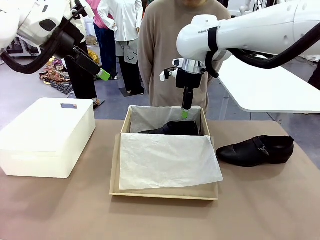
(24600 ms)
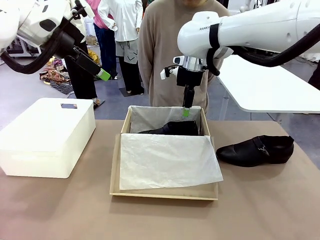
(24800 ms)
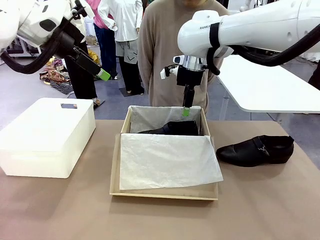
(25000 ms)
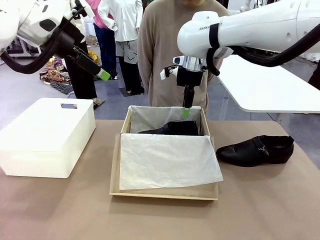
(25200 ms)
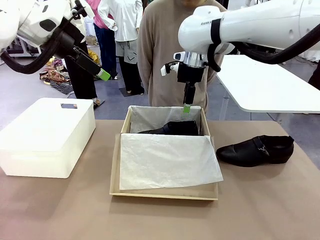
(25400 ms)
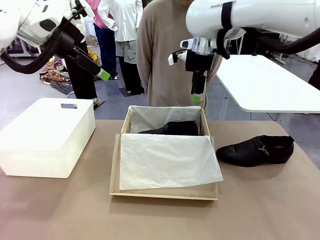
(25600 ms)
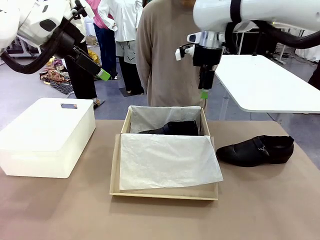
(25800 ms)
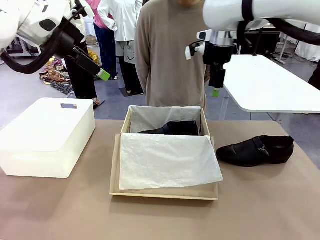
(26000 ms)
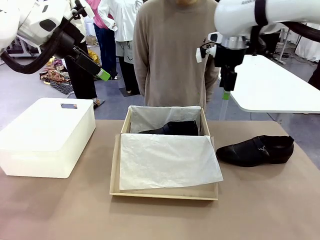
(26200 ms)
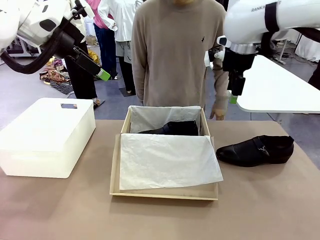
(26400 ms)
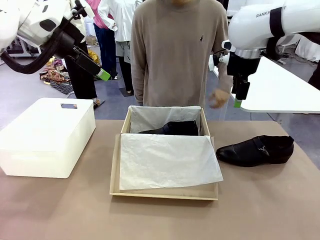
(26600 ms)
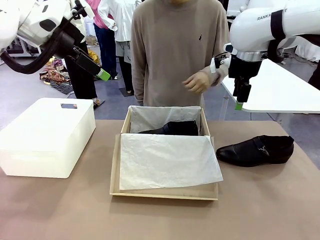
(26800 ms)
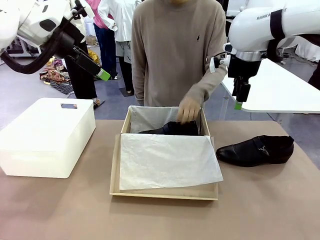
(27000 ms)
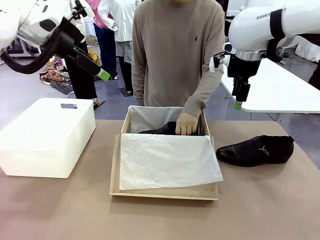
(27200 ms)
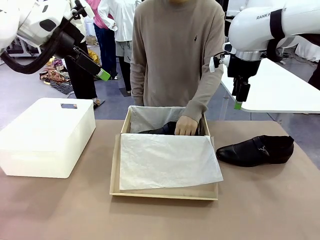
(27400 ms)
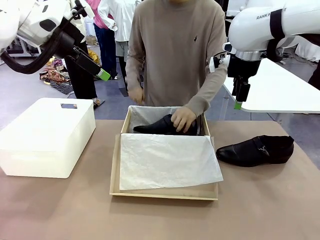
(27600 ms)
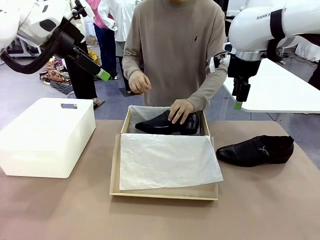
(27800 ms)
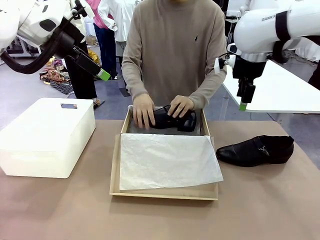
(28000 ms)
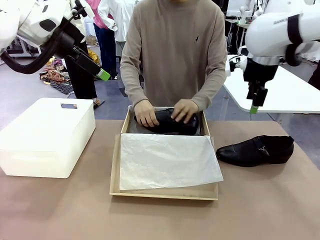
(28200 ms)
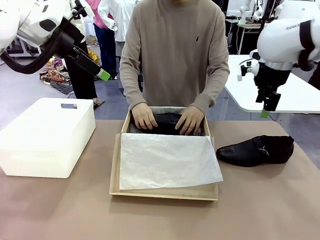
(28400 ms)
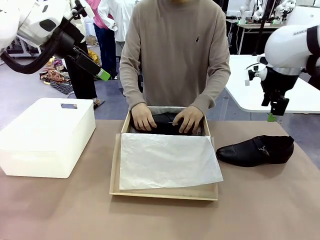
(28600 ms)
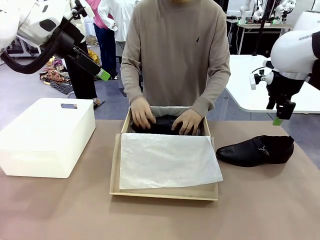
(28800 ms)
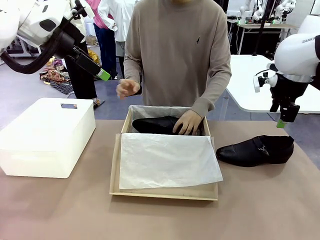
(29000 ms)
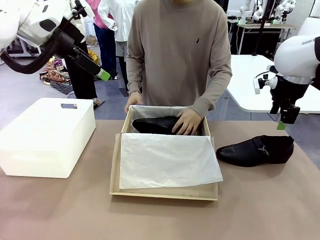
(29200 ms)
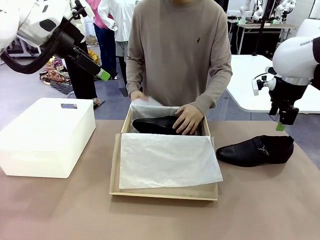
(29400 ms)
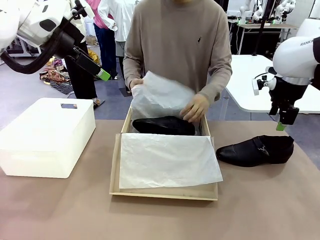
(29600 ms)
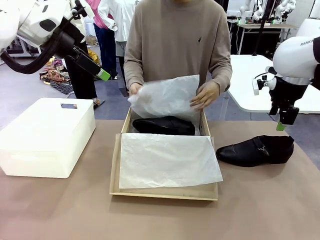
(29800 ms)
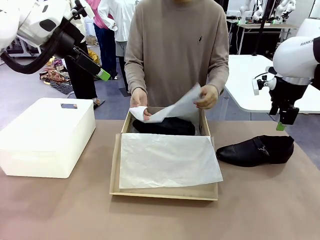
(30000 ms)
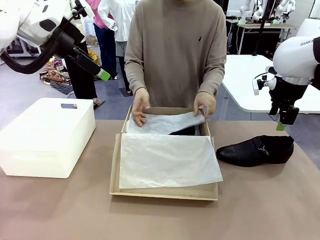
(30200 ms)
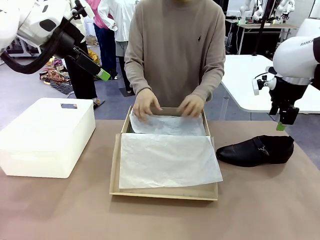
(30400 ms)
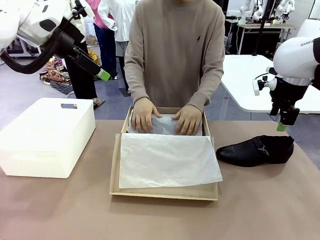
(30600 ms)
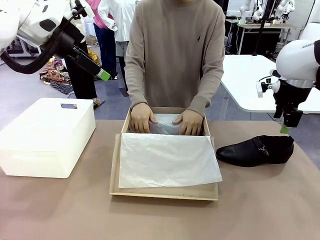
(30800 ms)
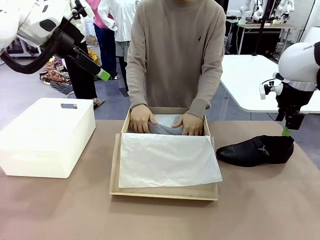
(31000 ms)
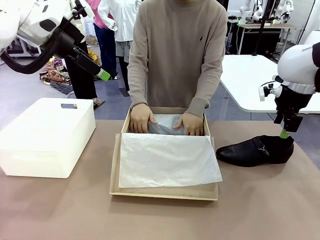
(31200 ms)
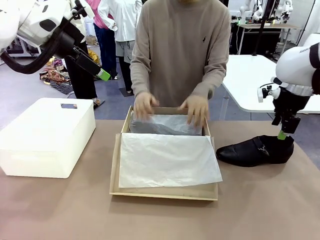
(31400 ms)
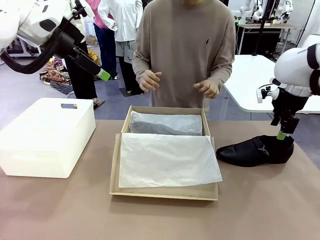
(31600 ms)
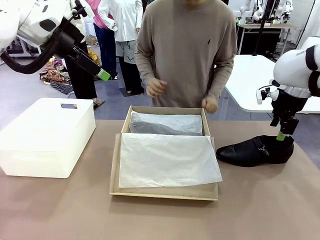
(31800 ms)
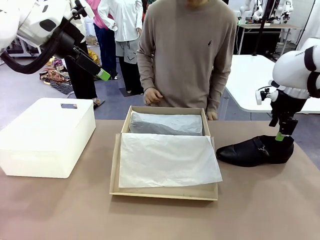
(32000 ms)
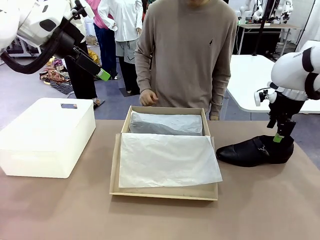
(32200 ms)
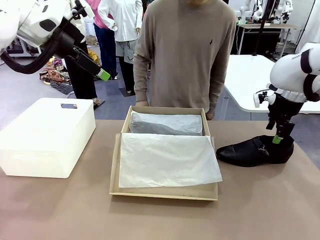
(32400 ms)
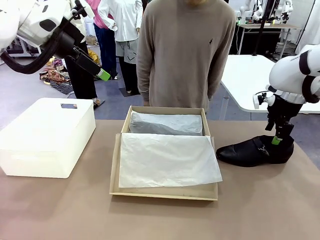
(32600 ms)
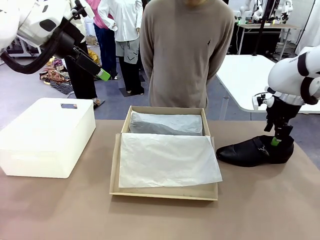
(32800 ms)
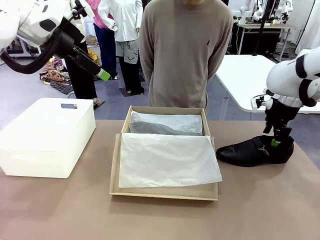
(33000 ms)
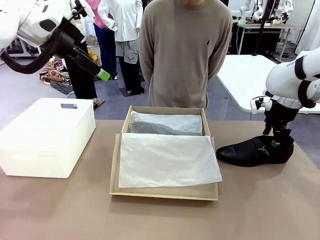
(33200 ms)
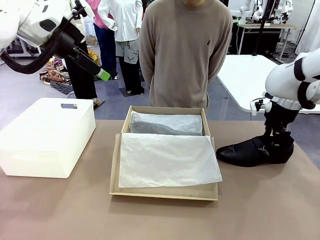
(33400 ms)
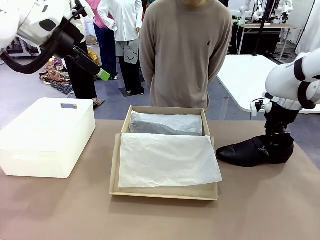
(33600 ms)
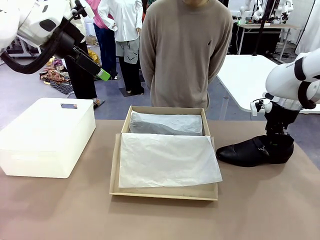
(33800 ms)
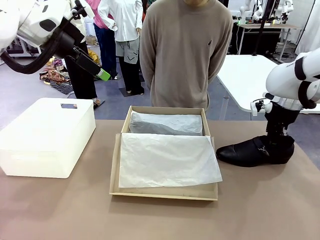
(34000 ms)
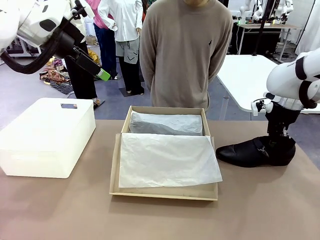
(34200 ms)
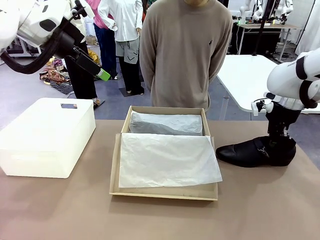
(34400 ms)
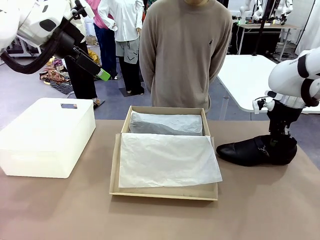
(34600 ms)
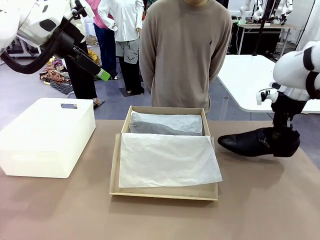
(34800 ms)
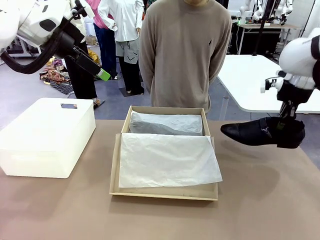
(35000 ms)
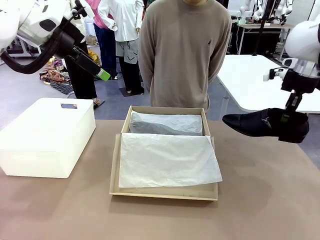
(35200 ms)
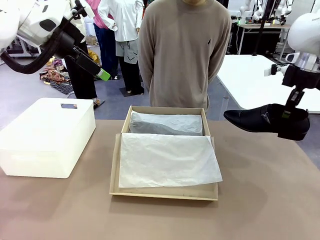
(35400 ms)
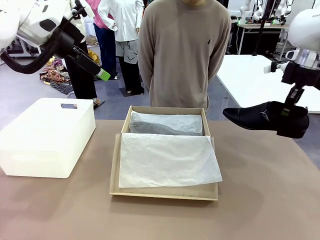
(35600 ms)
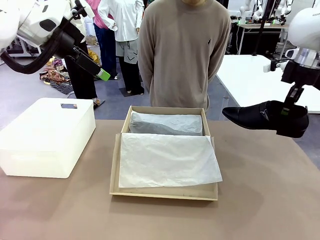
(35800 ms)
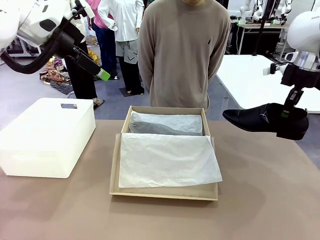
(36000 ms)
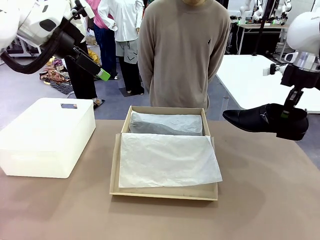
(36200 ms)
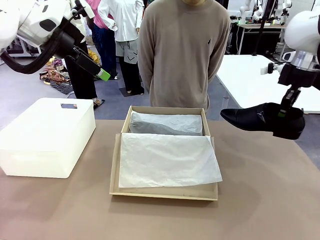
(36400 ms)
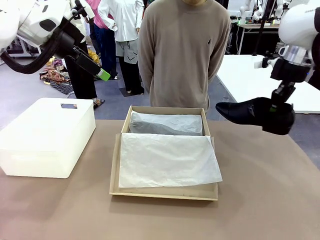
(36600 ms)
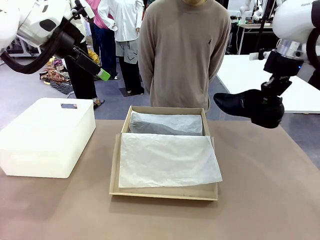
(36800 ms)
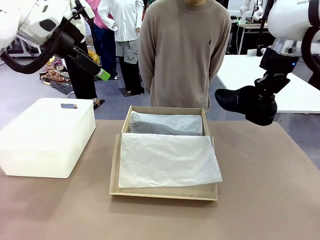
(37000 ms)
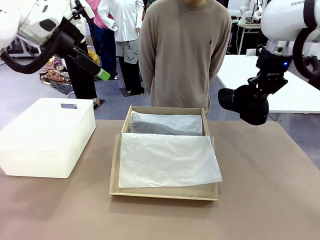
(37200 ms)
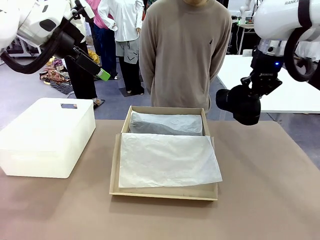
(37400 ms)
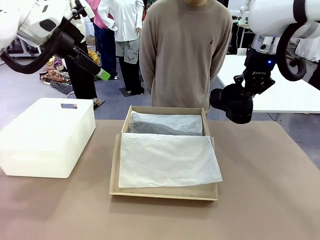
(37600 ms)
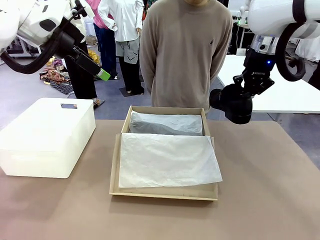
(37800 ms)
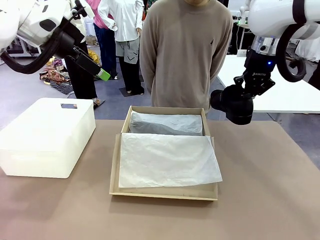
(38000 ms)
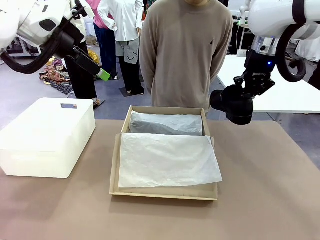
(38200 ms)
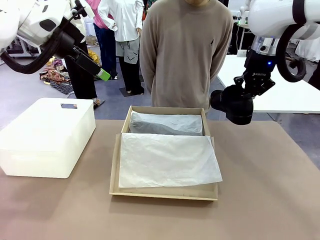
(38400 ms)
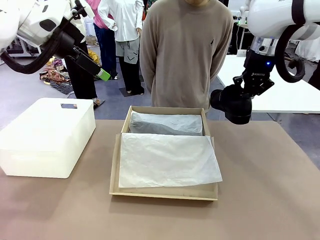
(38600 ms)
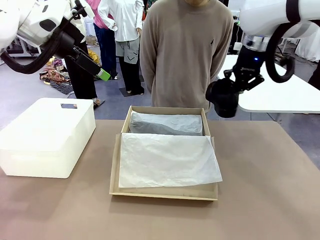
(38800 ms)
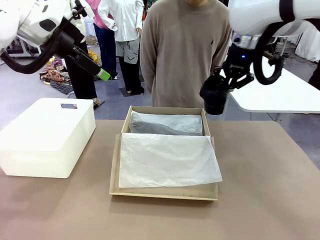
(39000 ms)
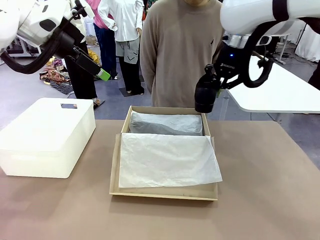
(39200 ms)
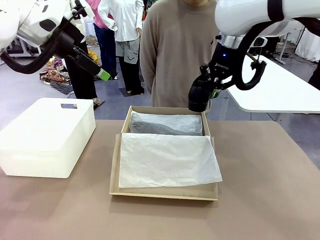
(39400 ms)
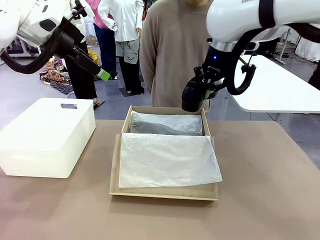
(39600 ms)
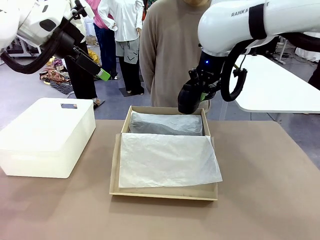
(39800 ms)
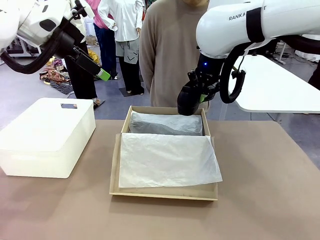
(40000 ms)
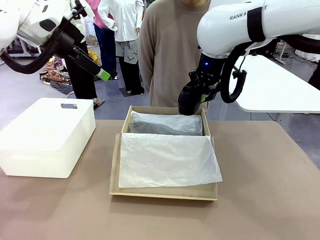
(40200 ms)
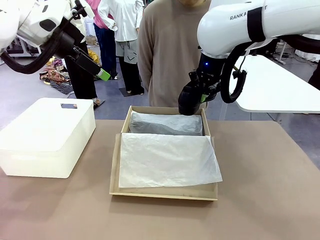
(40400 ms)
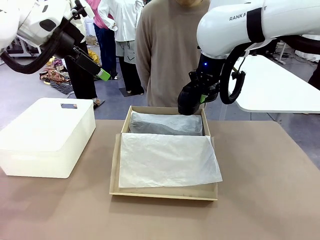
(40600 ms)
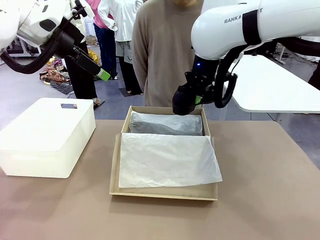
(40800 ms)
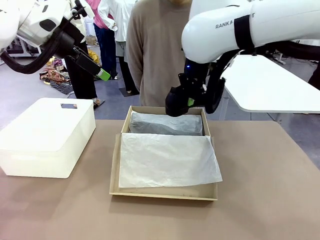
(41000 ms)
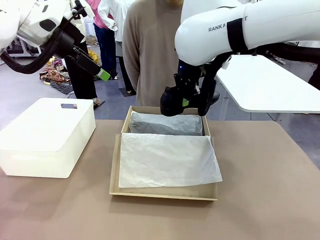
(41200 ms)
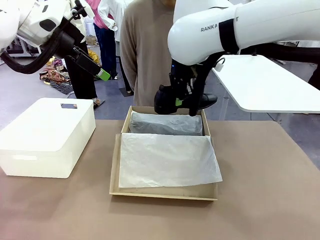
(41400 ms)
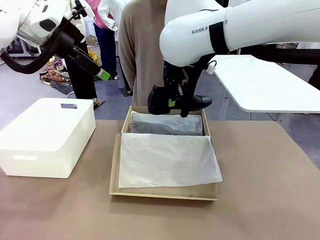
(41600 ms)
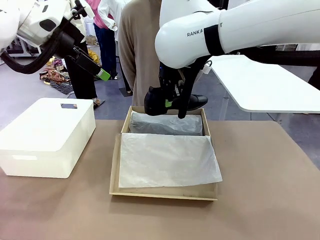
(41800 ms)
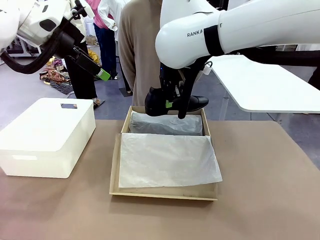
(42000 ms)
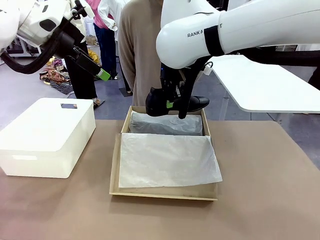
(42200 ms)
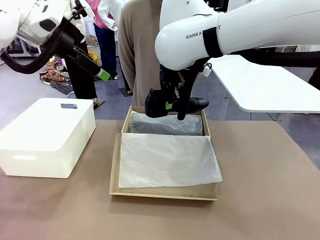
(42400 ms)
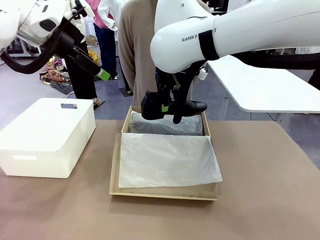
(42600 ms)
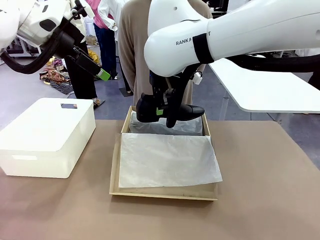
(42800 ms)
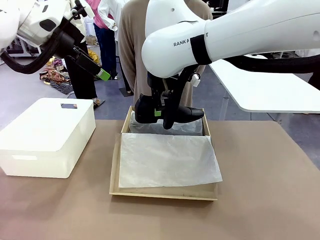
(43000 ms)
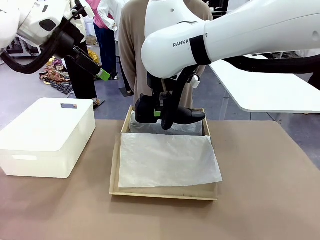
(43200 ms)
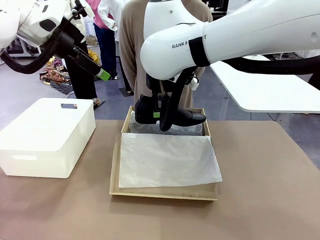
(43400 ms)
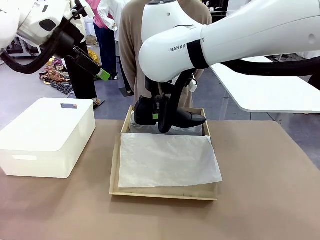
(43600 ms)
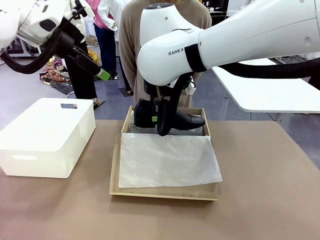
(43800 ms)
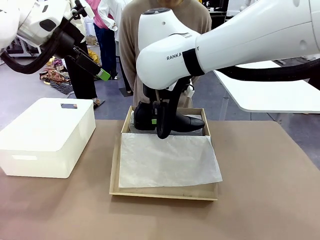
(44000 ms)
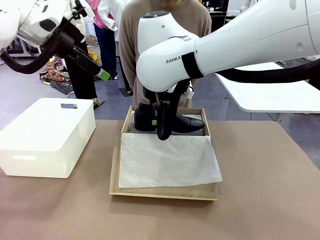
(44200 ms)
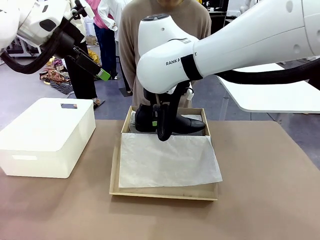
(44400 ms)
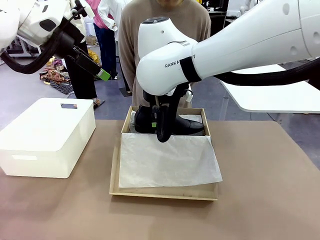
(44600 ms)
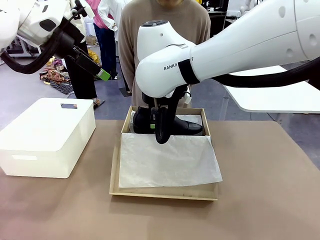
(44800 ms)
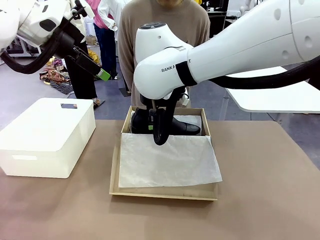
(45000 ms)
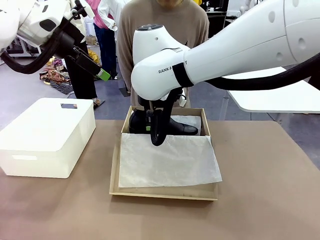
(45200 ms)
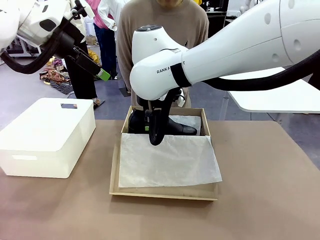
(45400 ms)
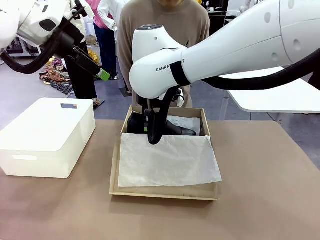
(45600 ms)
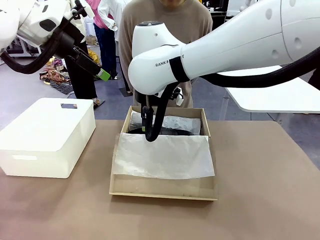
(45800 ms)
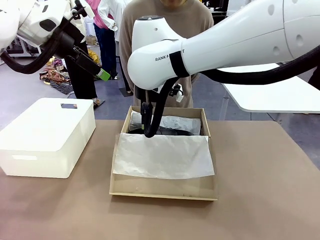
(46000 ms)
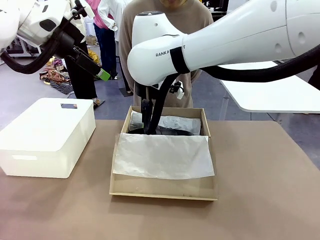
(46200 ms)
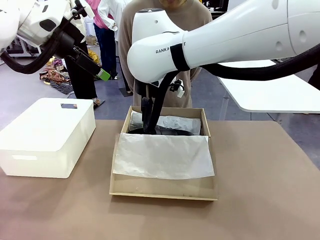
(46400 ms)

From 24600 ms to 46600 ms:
Task: Pack the shoes into the box.
Robot: Place the other shoe of the Shoes into the Shoes Box.
Person: Pack a shoe of Shoes inside the Shoes Box with Shoes Wrapping Paper.
